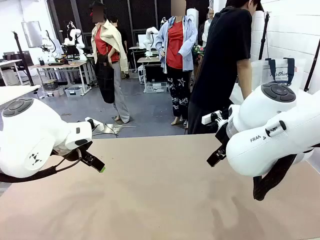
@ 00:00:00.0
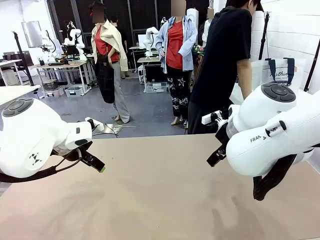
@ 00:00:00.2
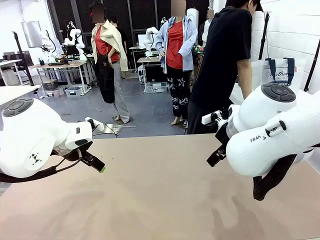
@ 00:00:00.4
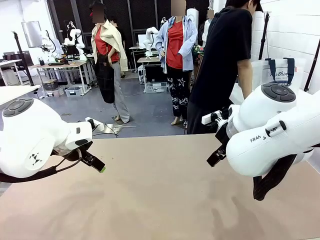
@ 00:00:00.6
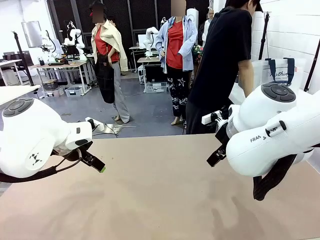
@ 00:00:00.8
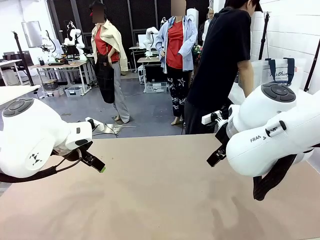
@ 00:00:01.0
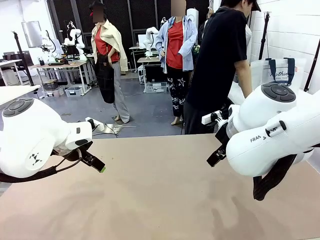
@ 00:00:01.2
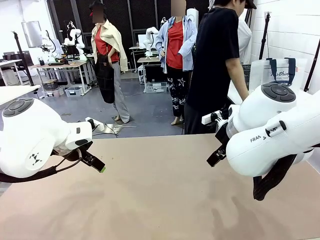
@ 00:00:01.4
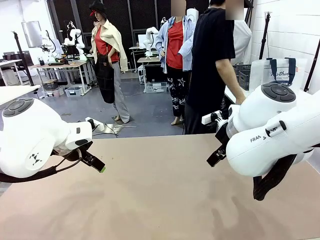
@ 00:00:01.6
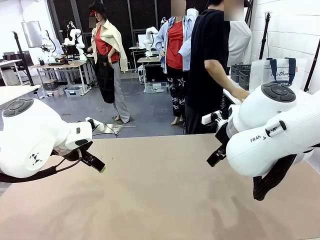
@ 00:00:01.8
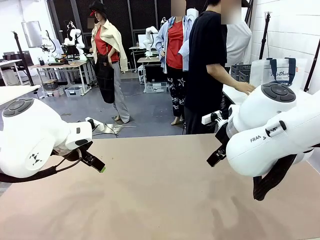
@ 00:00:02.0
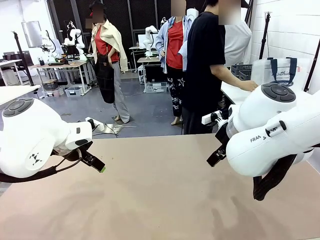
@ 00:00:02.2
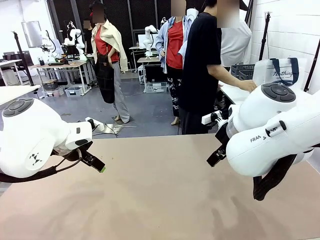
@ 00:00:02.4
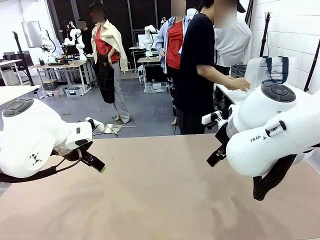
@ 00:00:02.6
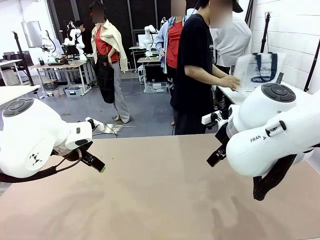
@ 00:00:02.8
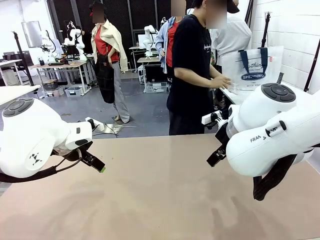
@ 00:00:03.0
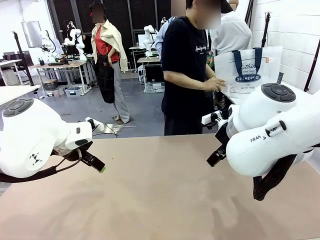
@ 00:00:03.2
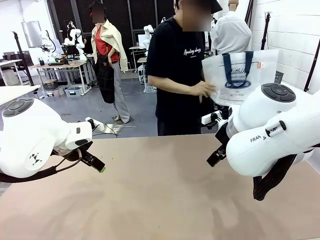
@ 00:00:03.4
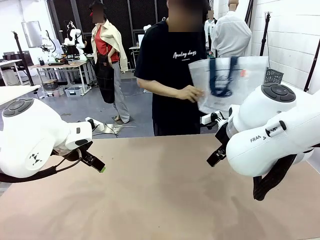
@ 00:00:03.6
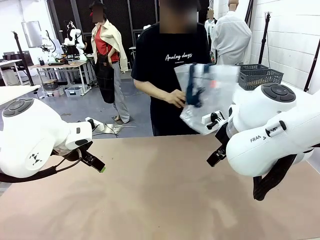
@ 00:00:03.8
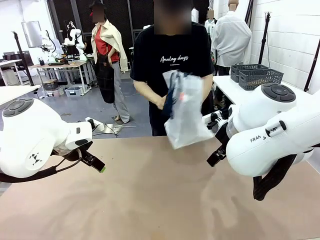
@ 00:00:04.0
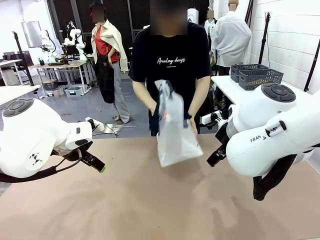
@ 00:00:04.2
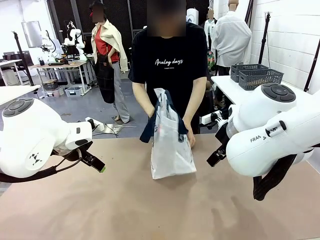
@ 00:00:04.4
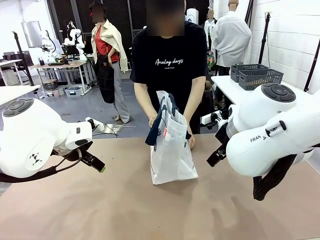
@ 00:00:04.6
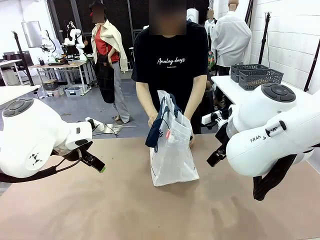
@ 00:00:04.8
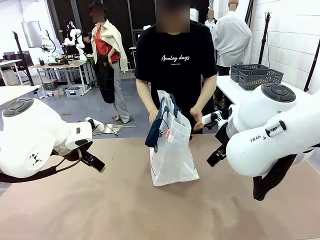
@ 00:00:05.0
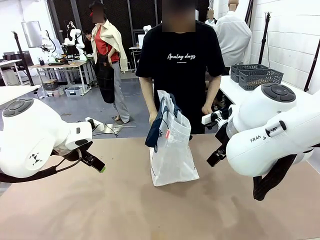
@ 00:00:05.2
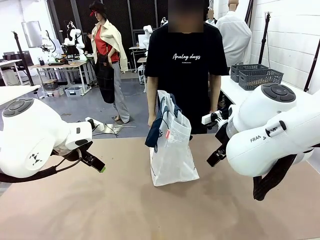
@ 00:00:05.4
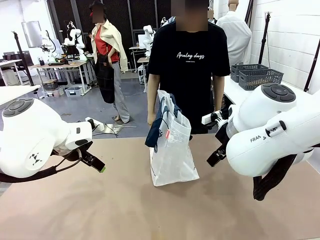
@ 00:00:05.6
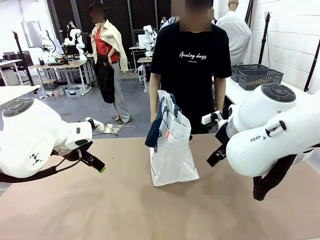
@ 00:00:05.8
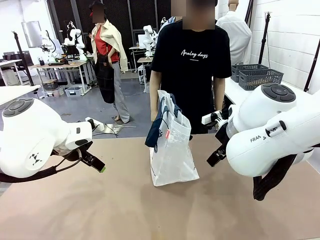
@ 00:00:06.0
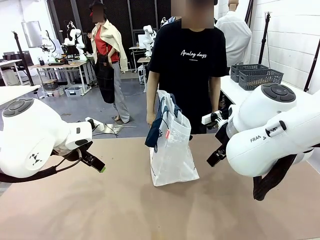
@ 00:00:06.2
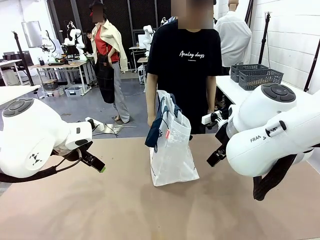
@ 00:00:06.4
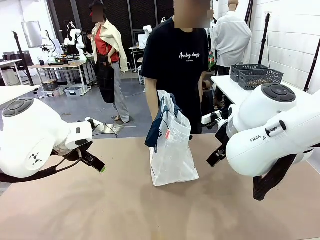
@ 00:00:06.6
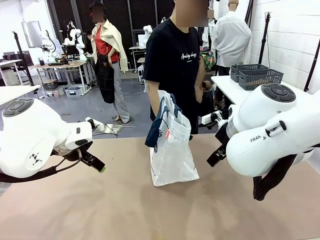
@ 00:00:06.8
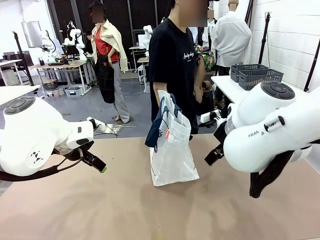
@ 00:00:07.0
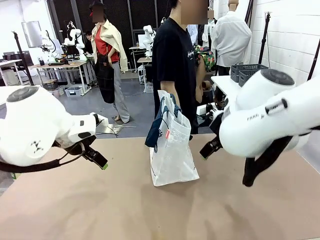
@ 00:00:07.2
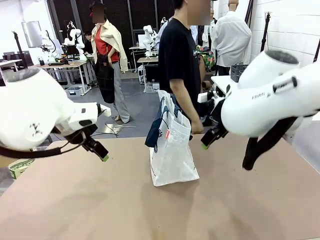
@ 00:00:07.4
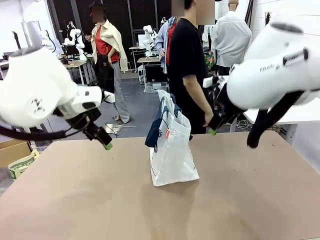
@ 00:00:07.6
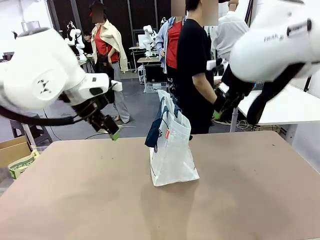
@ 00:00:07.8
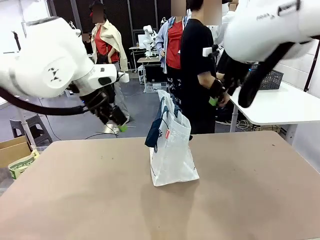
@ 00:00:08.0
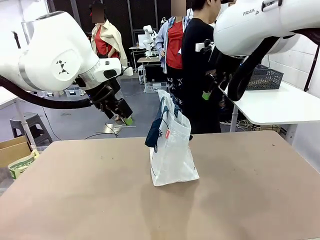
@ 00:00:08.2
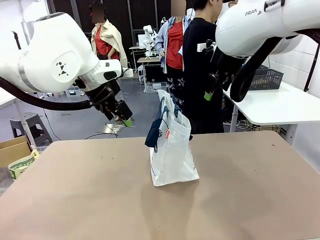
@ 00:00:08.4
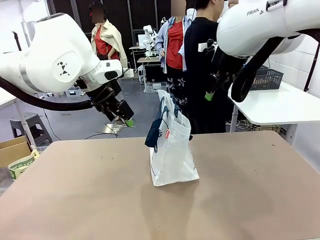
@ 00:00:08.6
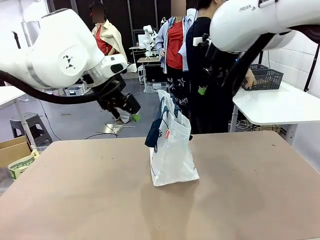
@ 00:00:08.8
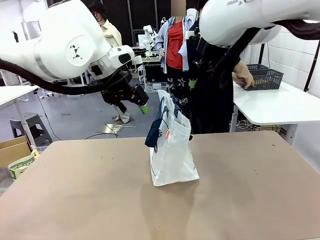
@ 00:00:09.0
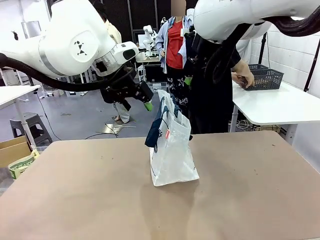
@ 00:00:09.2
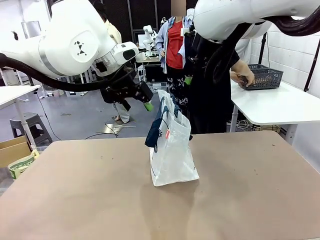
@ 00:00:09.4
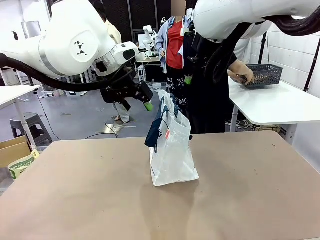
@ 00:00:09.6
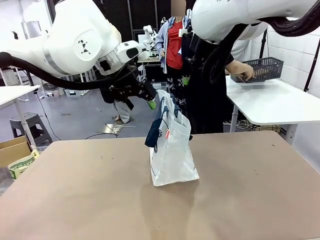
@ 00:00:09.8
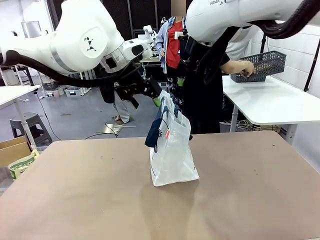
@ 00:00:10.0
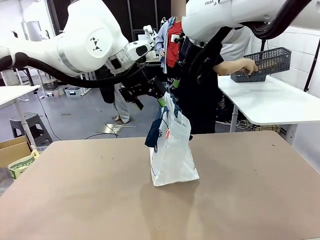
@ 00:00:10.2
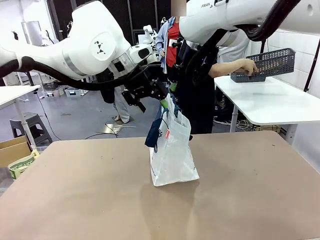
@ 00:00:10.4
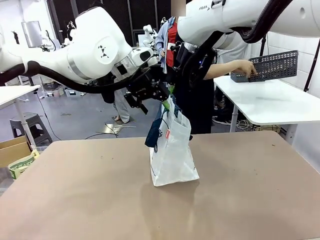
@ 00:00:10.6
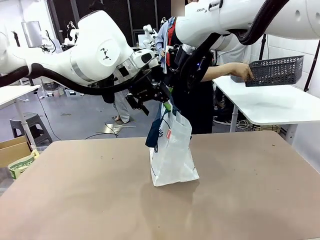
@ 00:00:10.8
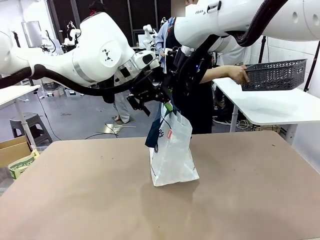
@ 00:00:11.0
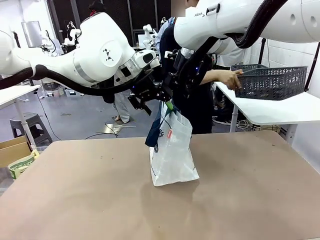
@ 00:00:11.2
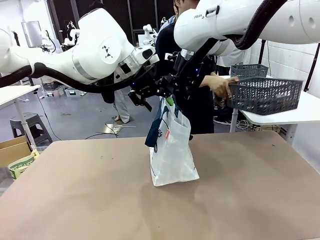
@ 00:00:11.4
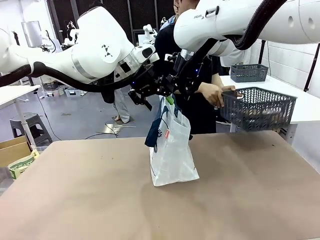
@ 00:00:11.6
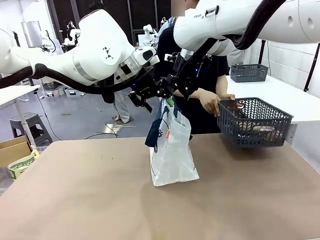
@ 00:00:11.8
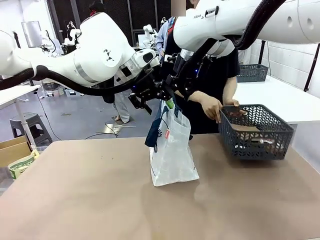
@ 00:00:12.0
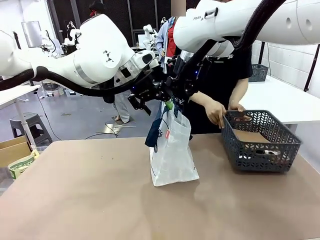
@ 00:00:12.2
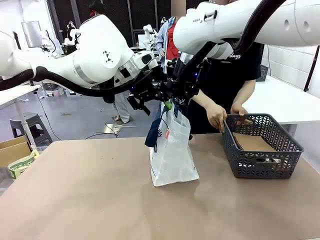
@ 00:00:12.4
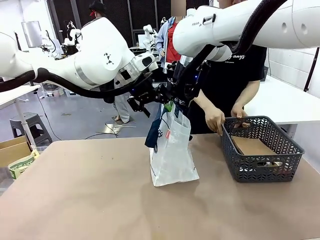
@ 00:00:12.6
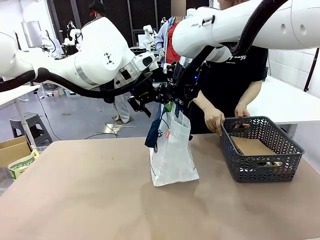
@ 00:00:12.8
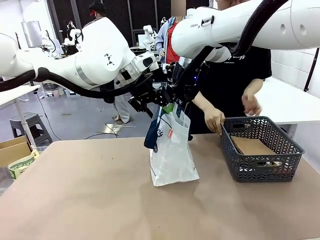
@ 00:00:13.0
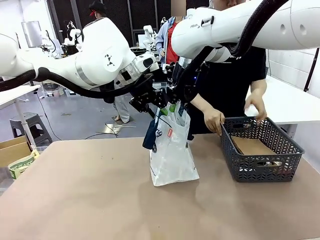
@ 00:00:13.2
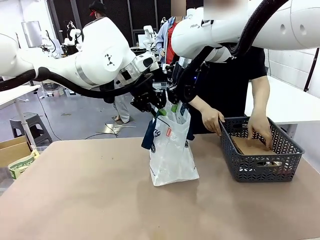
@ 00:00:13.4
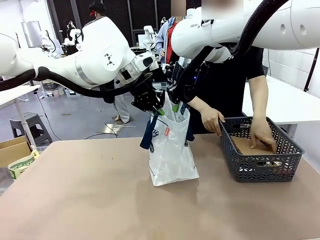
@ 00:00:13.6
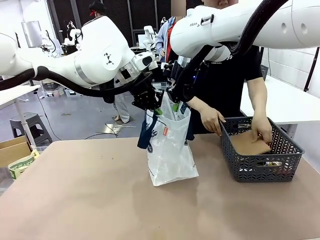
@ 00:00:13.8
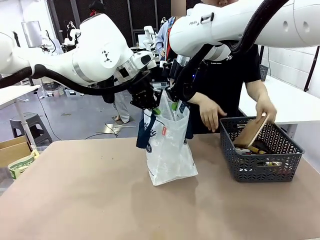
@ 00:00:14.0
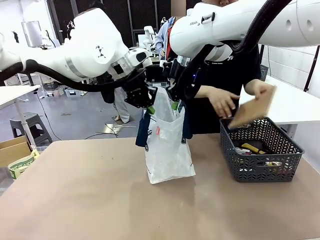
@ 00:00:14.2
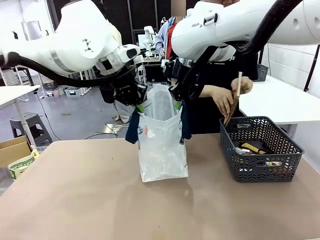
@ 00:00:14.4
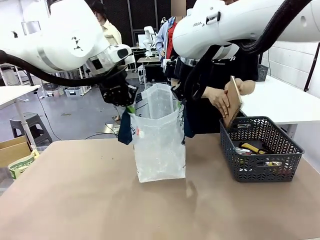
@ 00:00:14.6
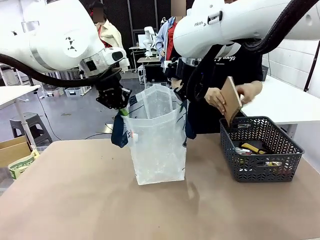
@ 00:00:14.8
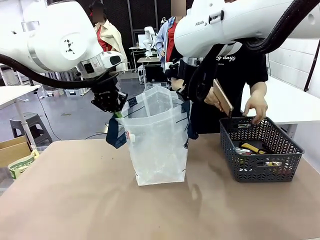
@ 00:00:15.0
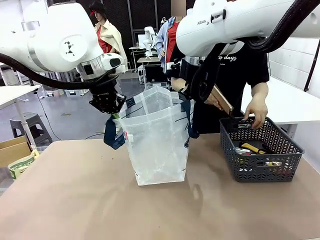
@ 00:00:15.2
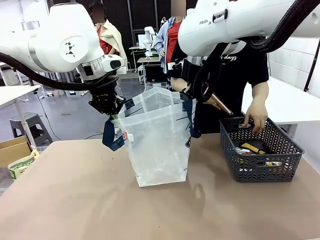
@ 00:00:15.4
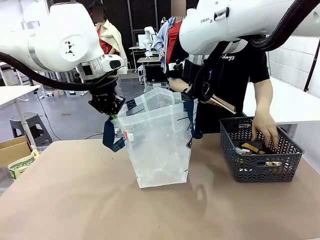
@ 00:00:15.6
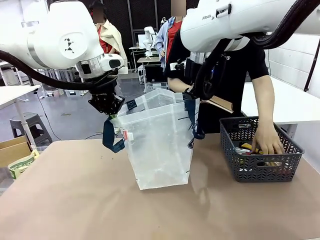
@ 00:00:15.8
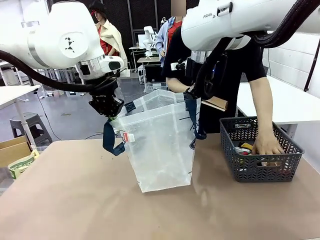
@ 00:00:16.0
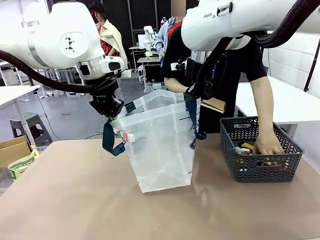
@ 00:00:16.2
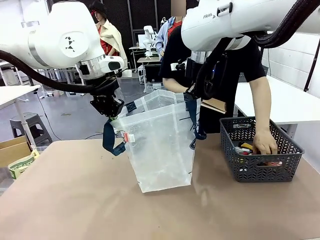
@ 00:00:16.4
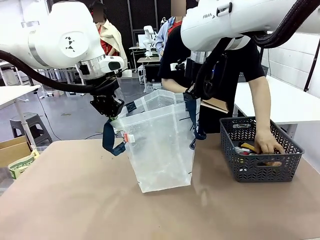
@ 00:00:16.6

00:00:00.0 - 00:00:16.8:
Task: Transfer purchased items from the store into the shopping bag.
Robot: Open the Reusable shopping bag in the center of the table.
Person: Pick up the shopping bag and place it in the middle of the robot table.
